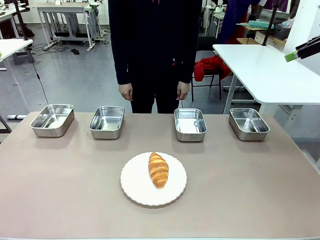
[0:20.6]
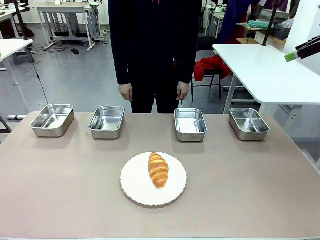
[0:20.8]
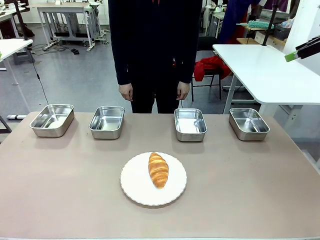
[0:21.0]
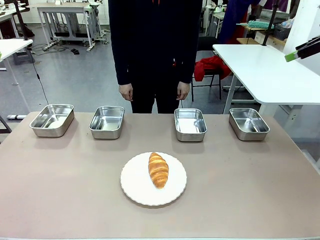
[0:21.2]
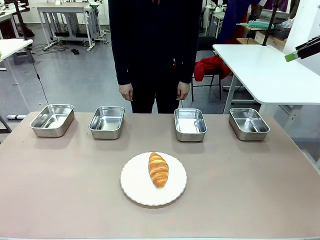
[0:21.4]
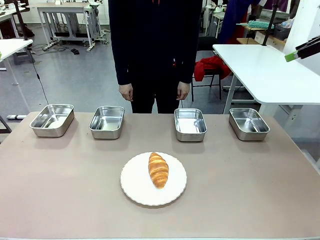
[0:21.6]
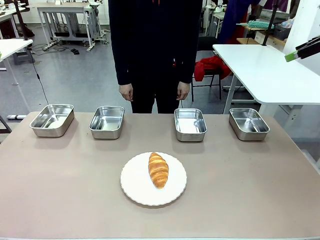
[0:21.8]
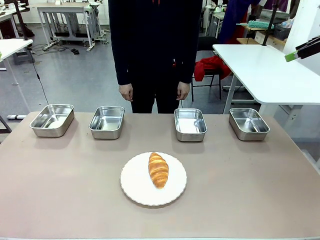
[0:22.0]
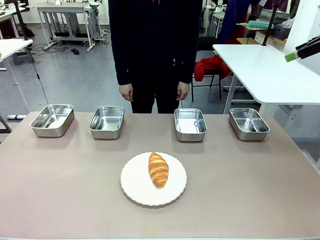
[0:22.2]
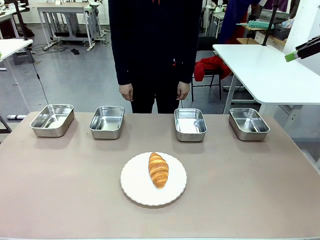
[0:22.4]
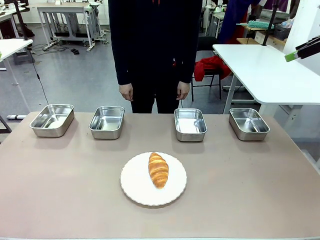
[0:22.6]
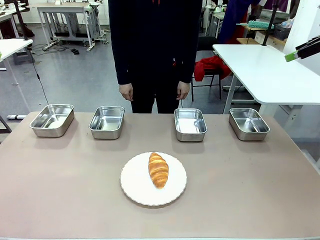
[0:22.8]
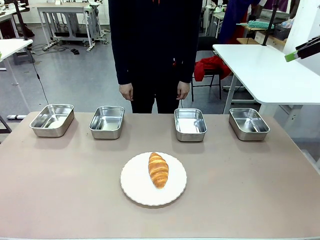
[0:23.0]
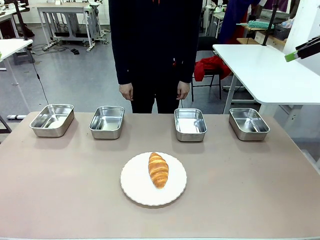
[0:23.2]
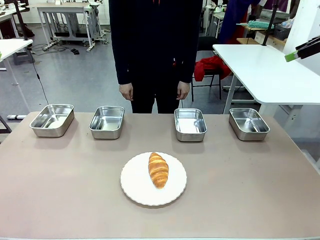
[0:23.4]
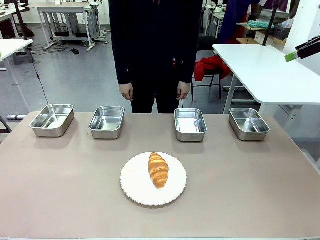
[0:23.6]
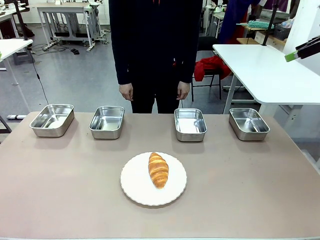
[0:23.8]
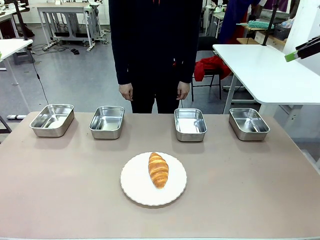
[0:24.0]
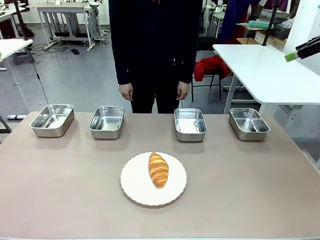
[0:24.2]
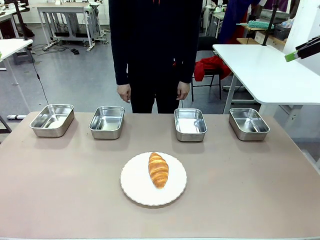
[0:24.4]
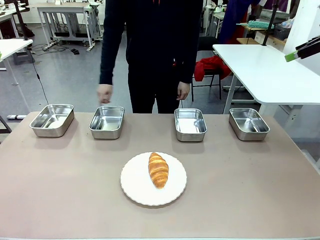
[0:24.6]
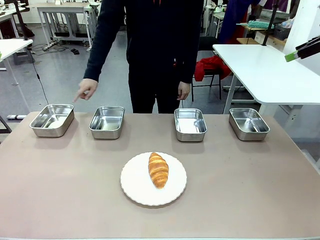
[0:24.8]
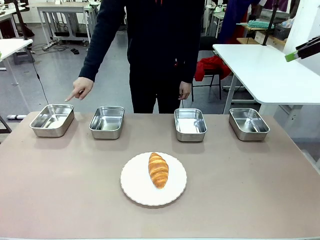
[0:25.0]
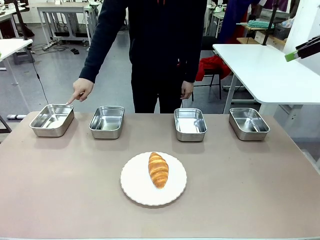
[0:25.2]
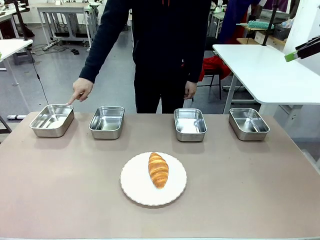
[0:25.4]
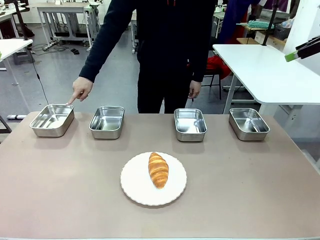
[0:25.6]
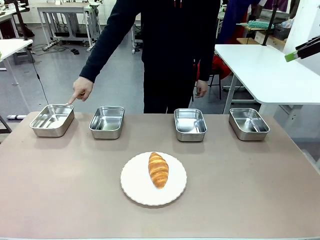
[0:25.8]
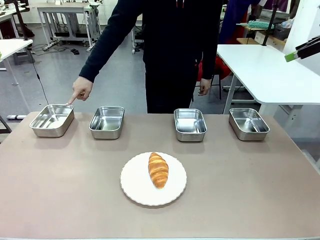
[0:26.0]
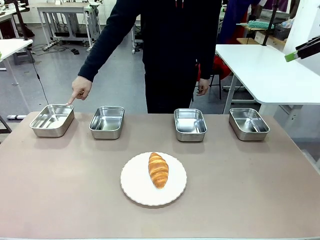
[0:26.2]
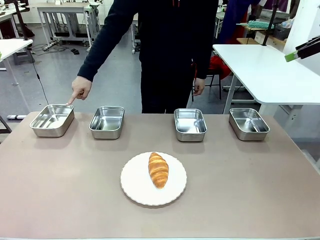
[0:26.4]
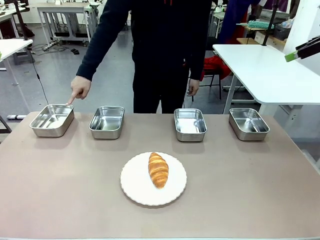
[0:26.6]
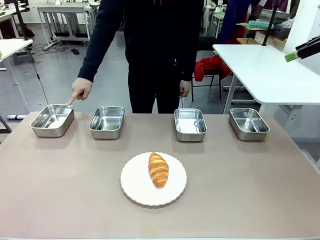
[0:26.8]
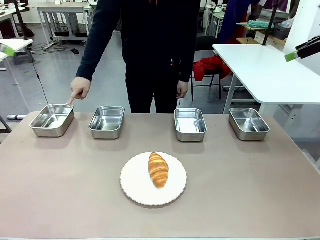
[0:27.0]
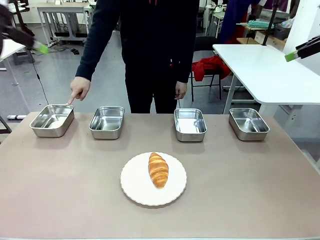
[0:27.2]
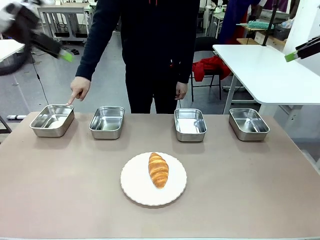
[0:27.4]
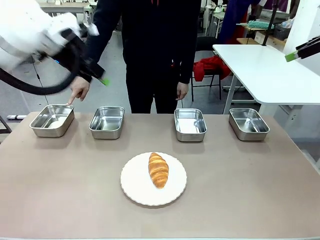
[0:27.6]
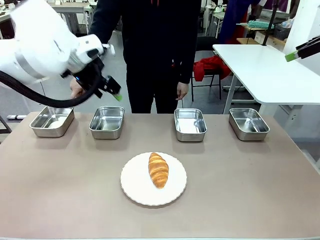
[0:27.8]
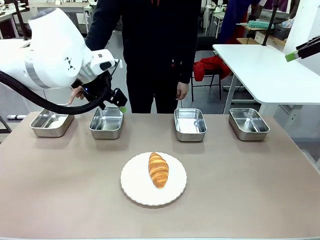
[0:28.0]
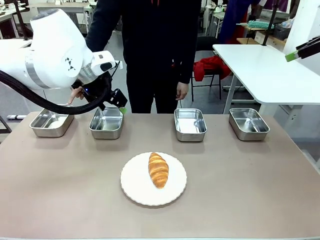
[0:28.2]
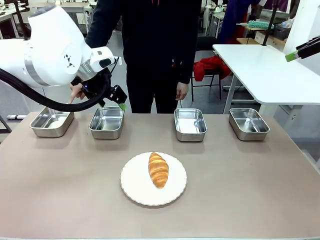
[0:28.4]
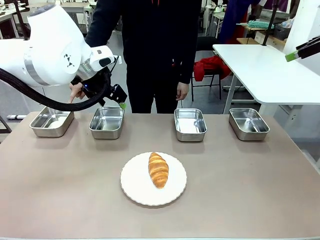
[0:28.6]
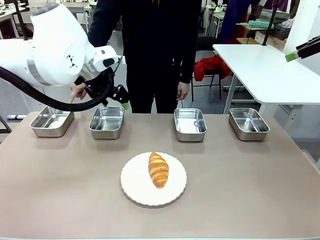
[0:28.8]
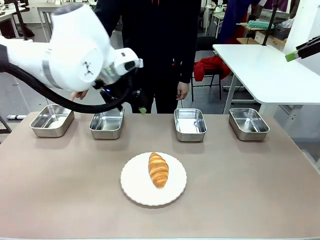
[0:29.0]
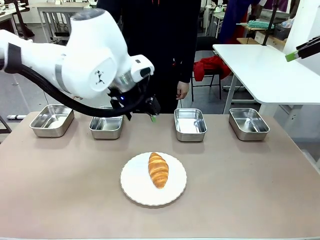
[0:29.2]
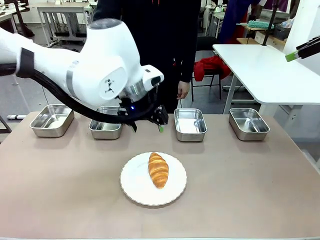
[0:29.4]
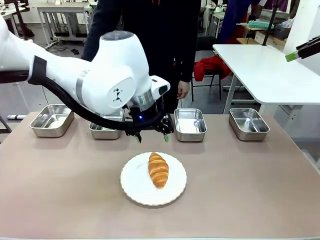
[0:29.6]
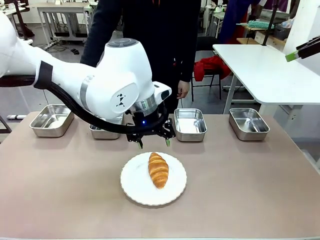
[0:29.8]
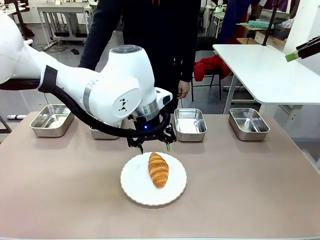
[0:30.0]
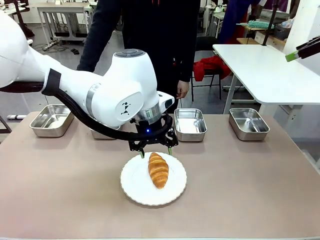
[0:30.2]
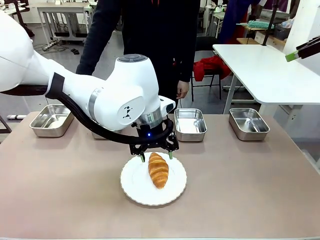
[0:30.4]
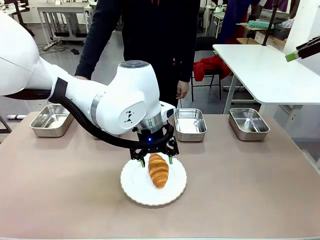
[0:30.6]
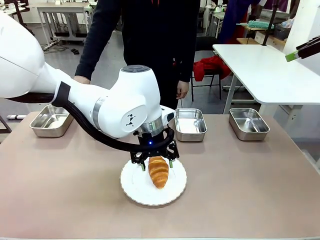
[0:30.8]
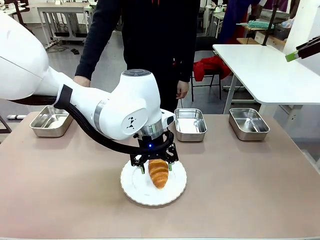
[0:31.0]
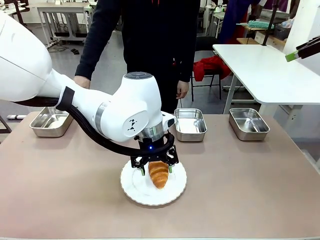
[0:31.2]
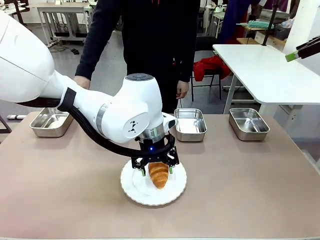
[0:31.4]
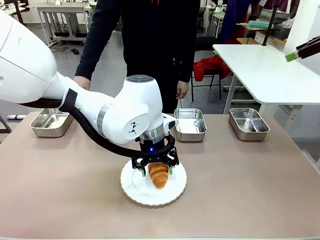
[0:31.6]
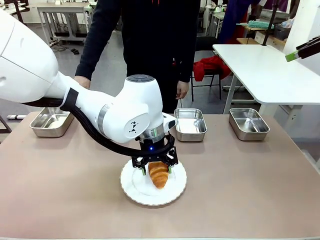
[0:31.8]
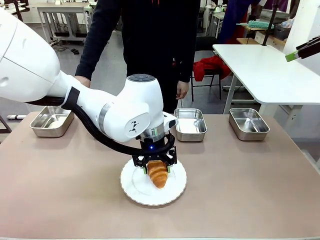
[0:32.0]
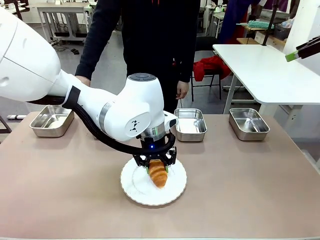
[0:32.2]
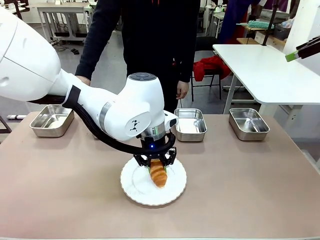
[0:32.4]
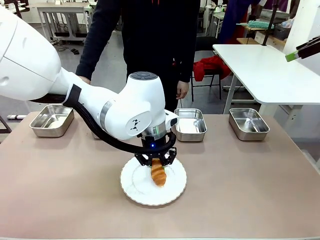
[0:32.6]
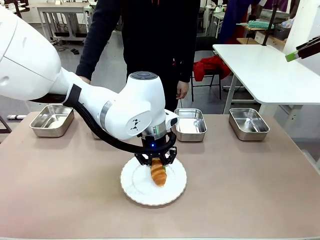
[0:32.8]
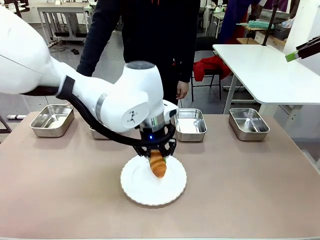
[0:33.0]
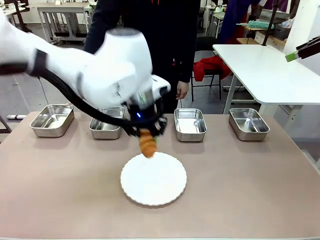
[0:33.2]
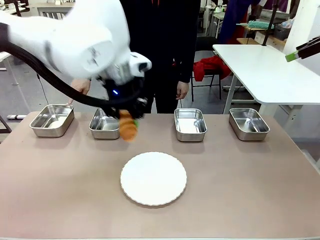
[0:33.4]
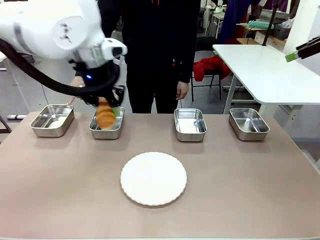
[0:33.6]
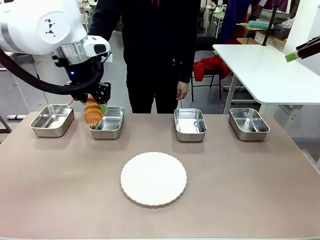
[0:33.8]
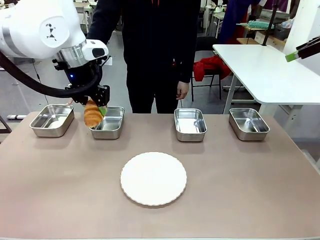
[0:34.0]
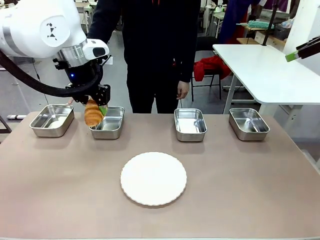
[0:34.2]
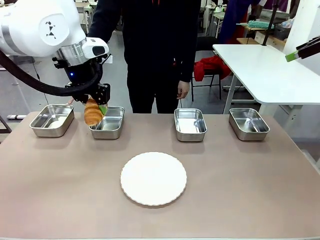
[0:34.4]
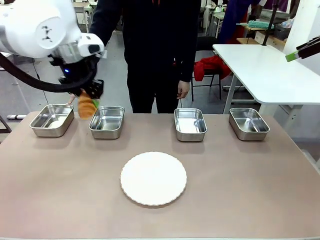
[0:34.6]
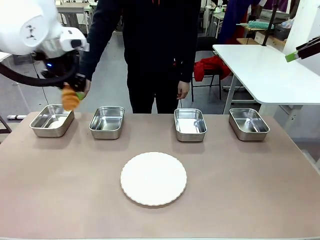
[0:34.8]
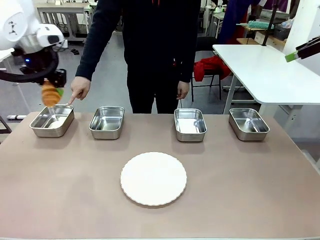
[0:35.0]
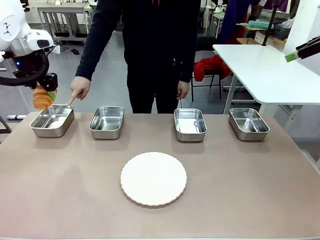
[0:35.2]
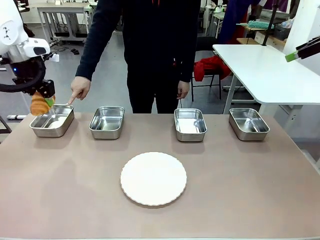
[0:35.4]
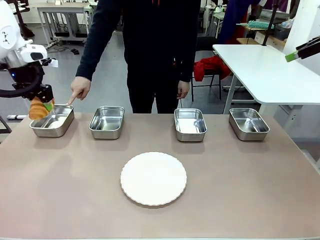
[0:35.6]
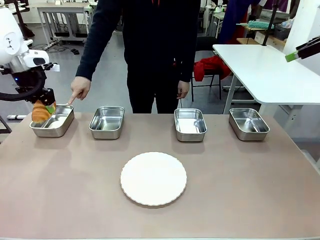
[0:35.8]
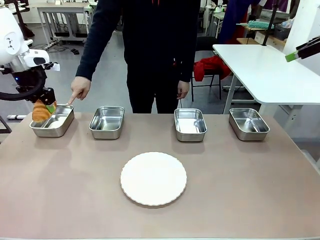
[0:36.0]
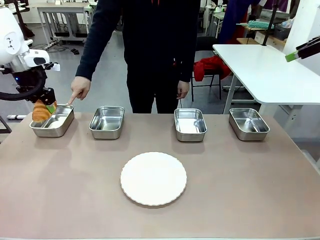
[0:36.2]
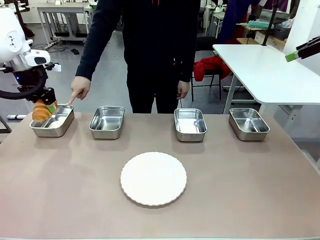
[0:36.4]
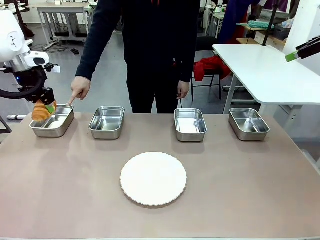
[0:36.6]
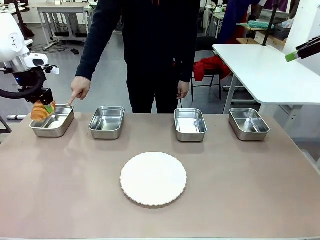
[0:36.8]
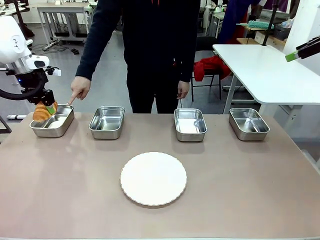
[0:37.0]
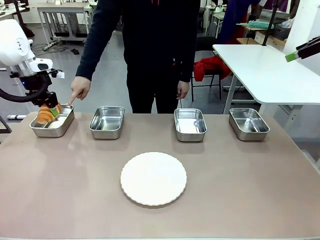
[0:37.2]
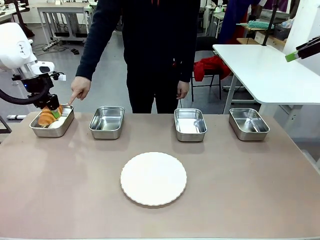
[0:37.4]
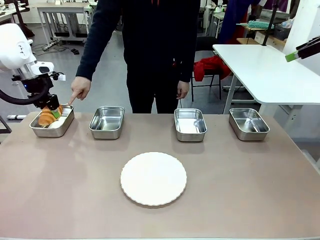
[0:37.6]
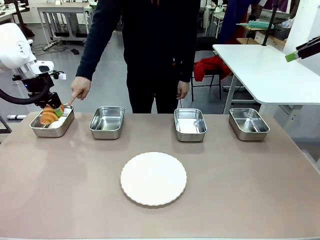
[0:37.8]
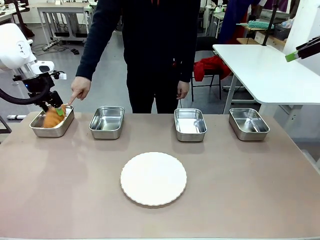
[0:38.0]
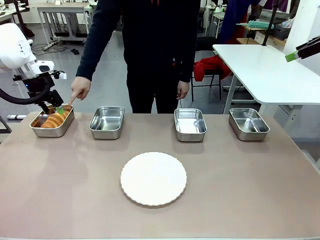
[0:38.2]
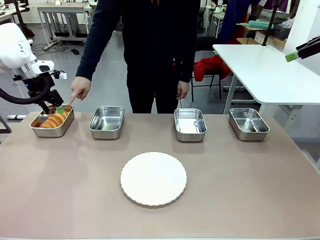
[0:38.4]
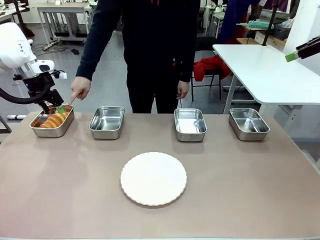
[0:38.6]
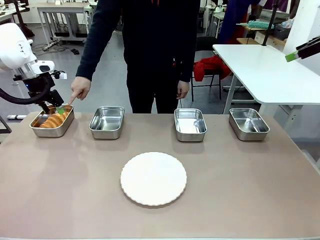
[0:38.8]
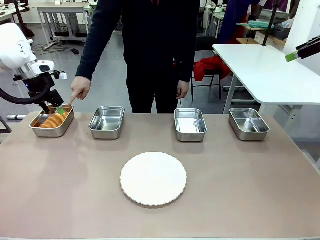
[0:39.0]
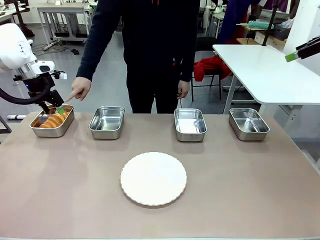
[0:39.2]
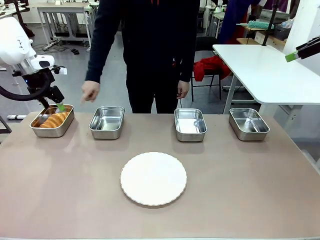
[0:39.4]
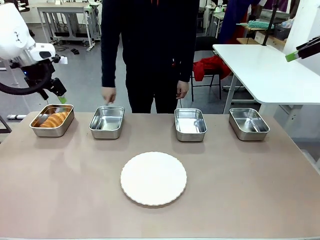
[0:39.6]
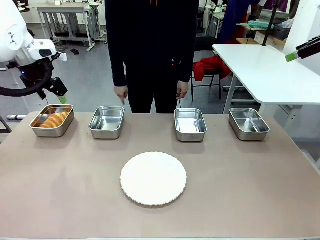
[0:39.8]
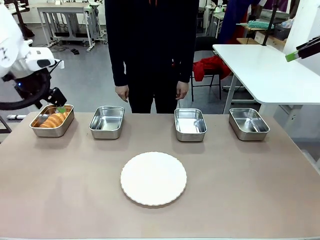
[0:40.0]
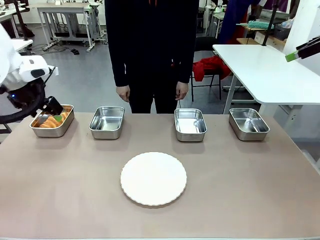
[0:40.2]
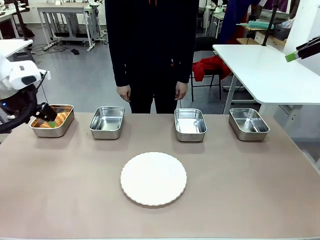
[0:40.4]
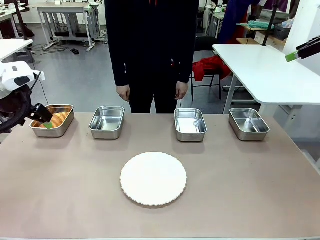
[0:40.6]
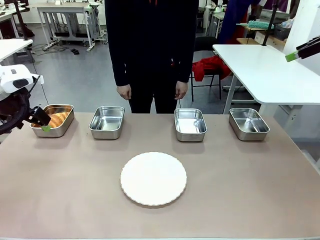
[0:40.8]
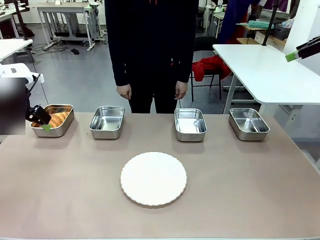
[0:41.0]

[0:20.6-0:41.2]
Task: Place the bread in the container.
Robot: Place the Butter Roll into the Airtight Container indicated by the human.
